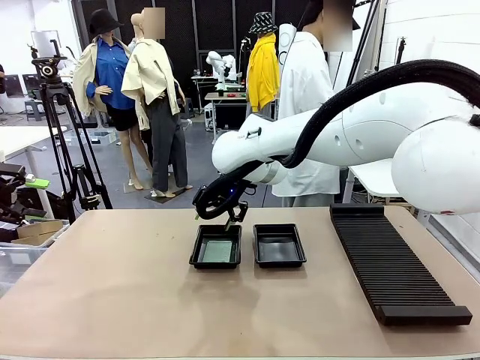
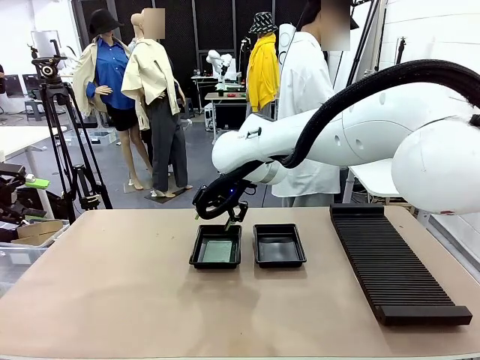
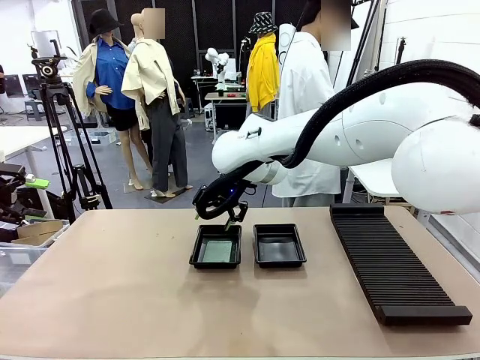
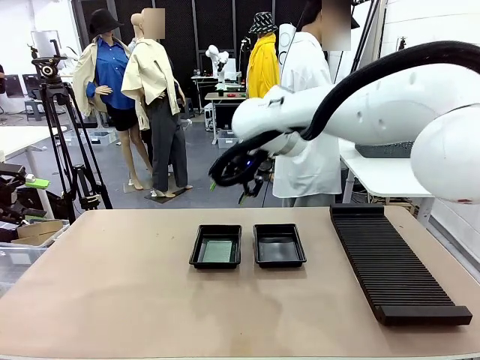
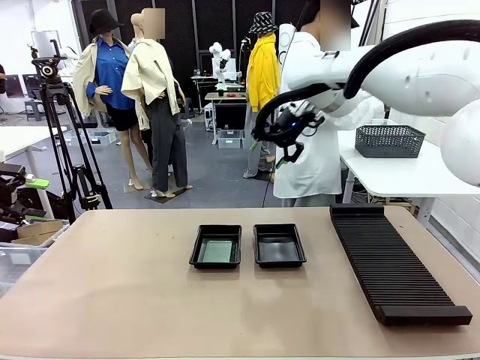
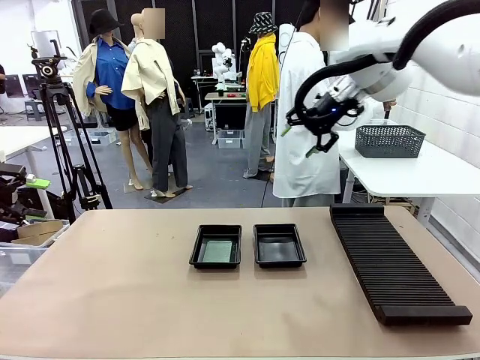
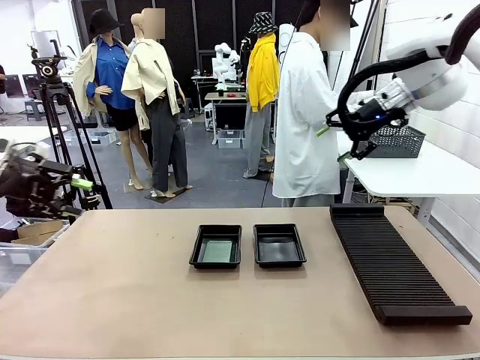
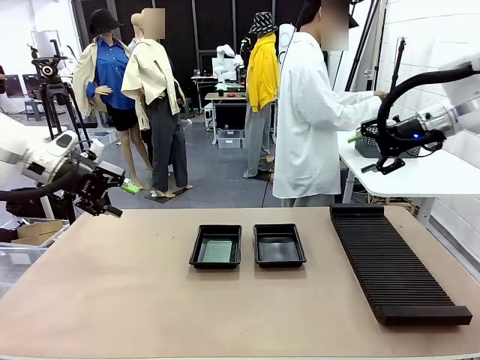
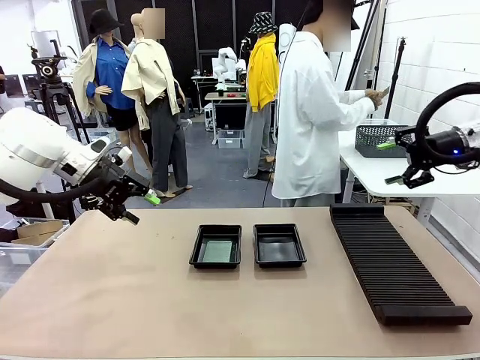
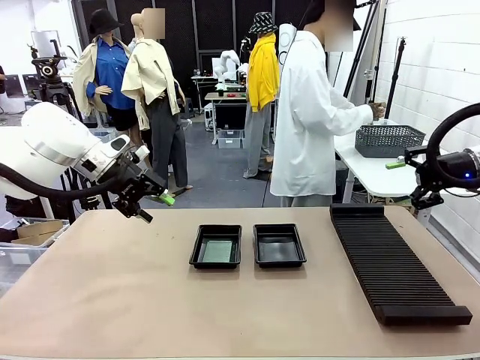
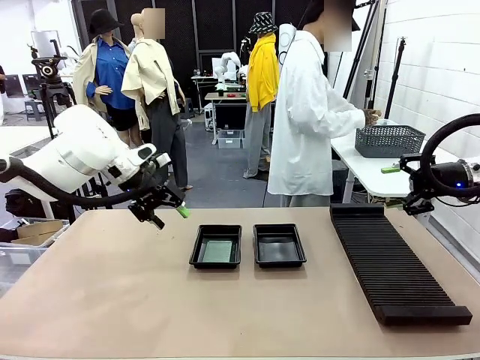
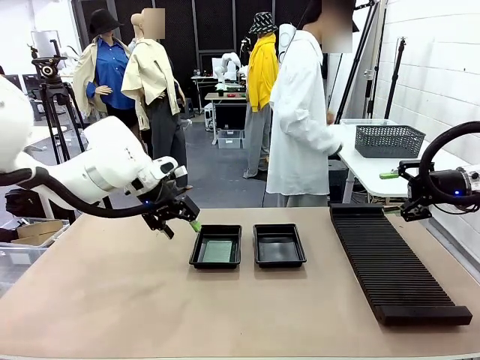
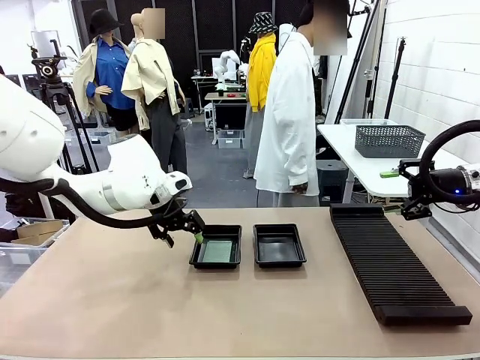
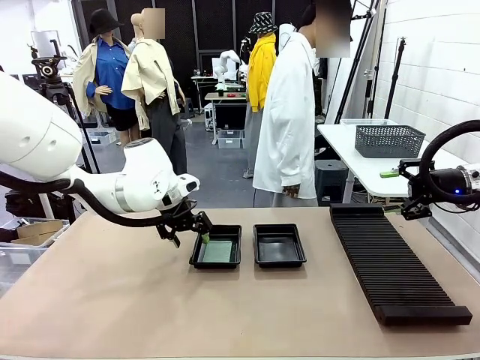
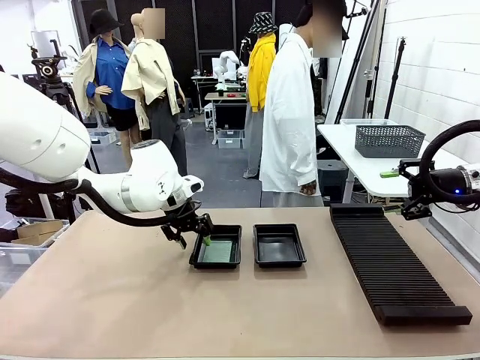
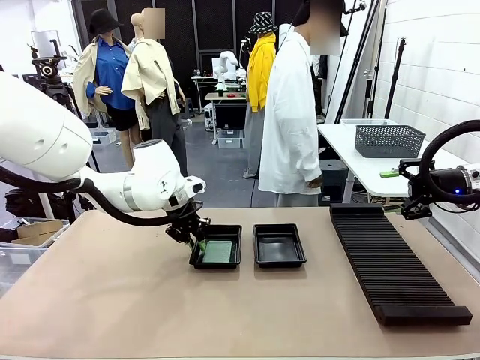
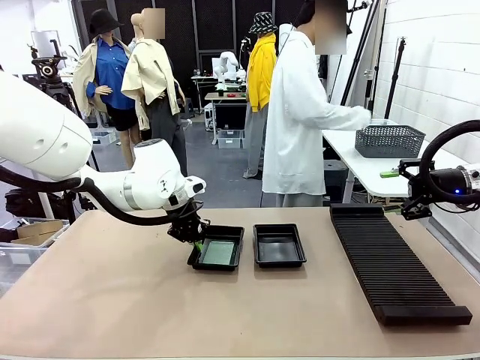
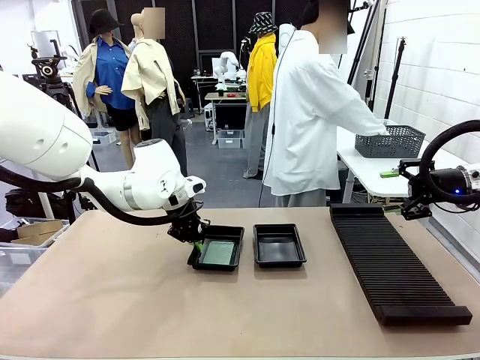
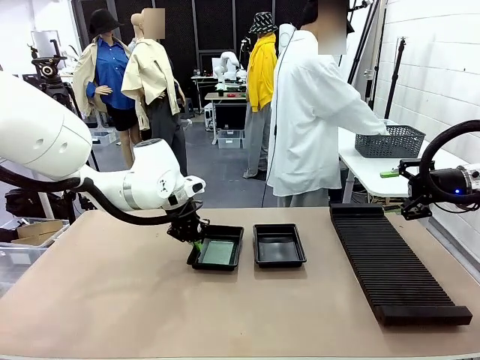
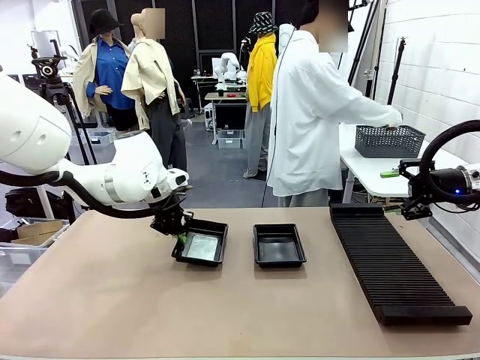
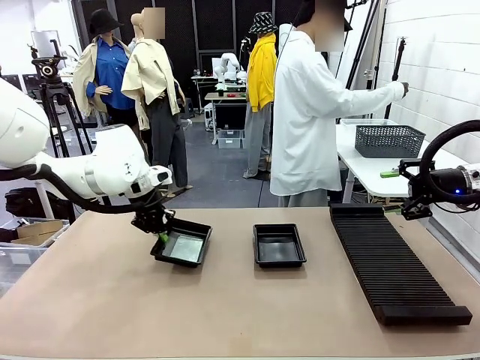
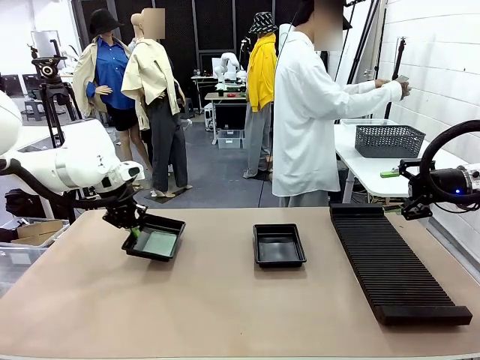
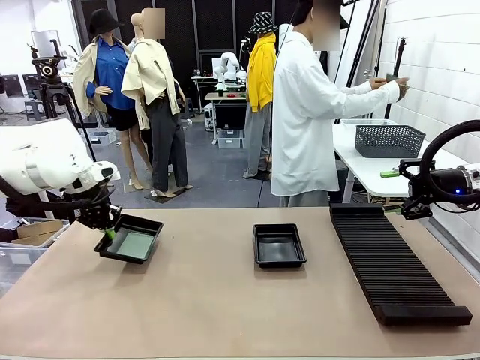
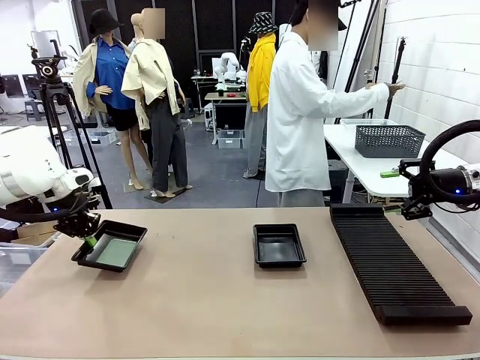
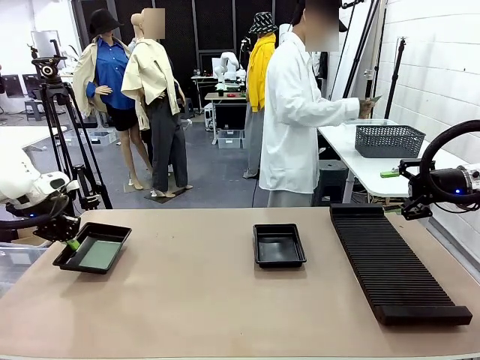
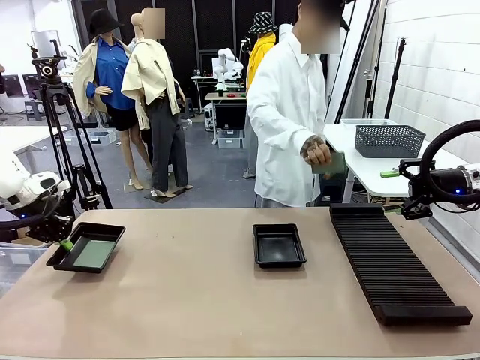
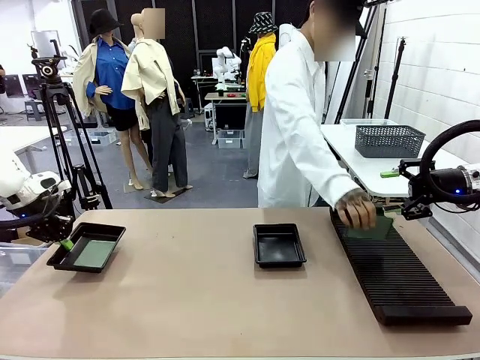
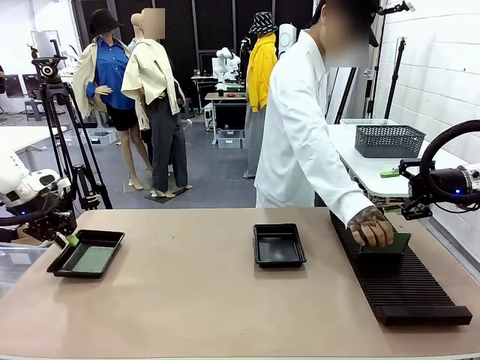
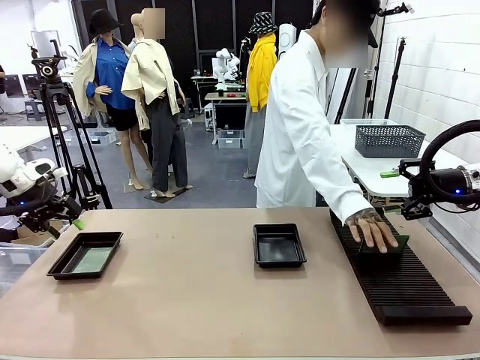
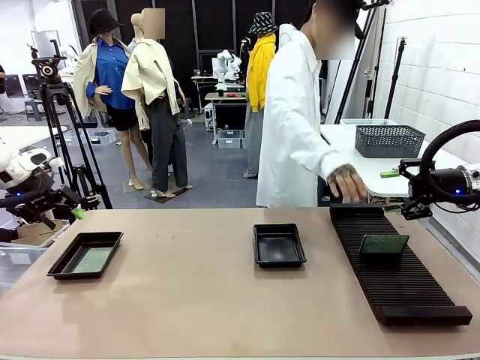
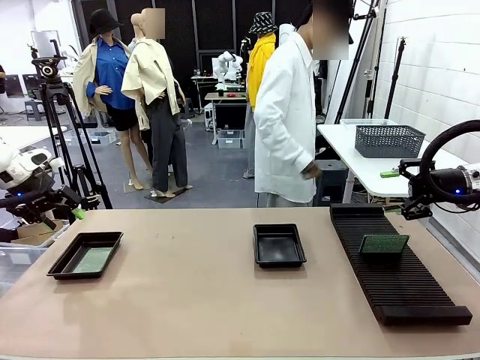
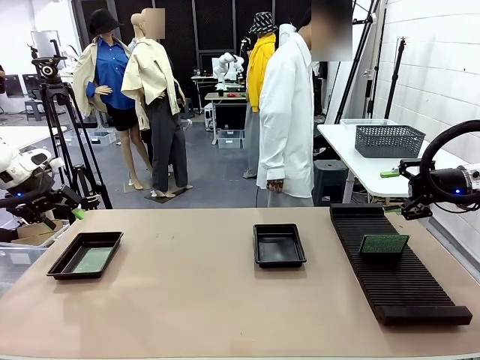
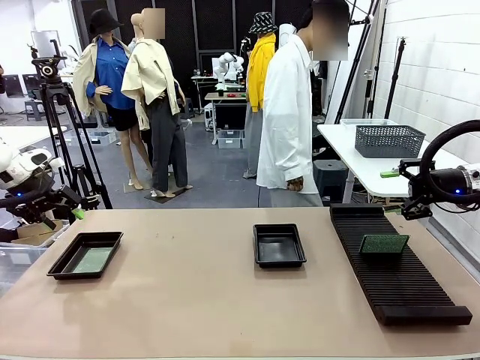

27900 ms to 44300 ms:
Task: Inspect and transfer BCBs to ESD trays.
Robot: Pick up the ESD tray and place it on the left side of the table.
